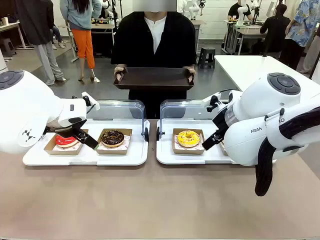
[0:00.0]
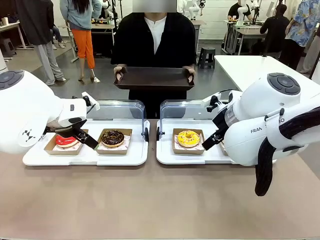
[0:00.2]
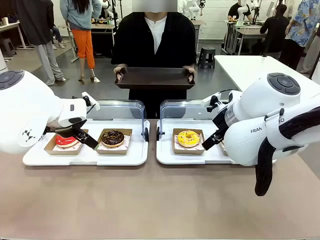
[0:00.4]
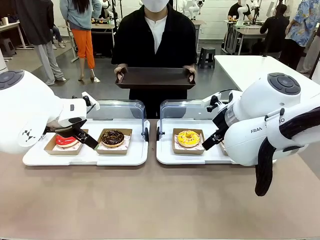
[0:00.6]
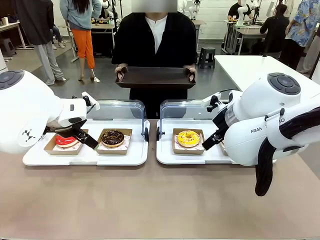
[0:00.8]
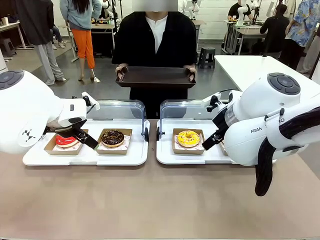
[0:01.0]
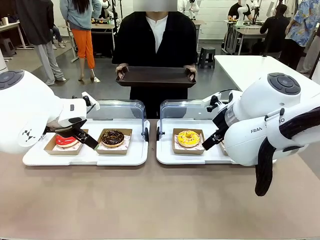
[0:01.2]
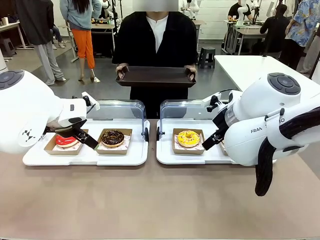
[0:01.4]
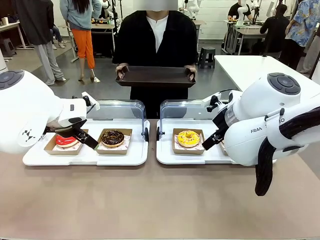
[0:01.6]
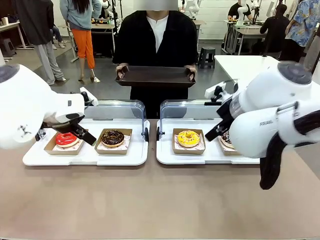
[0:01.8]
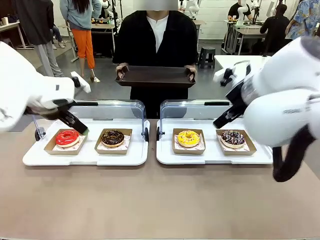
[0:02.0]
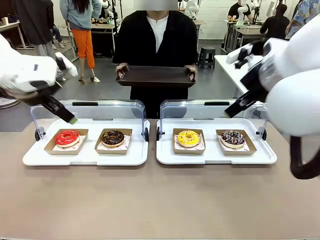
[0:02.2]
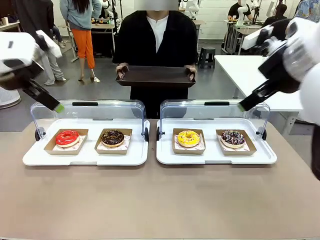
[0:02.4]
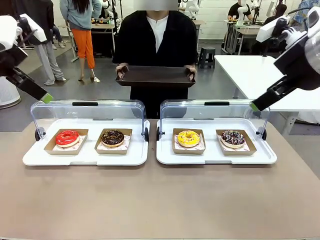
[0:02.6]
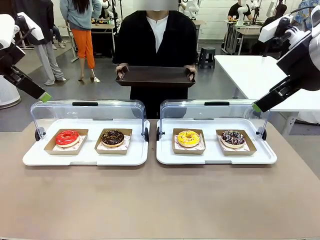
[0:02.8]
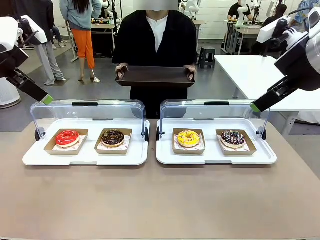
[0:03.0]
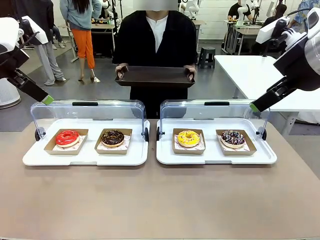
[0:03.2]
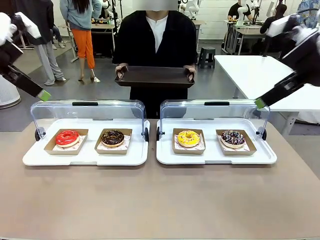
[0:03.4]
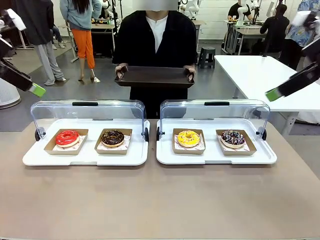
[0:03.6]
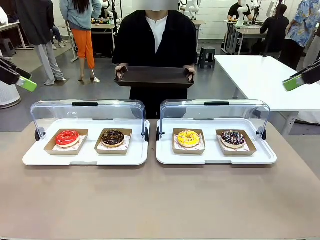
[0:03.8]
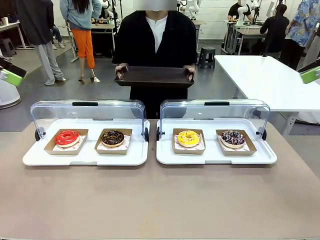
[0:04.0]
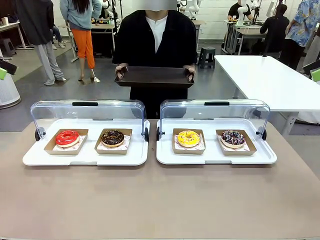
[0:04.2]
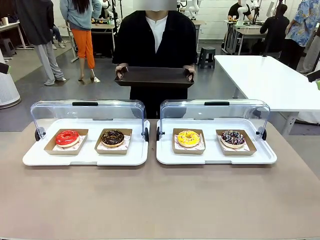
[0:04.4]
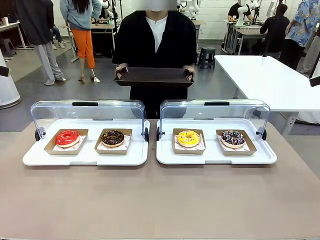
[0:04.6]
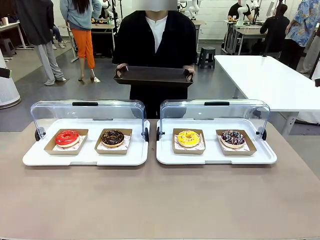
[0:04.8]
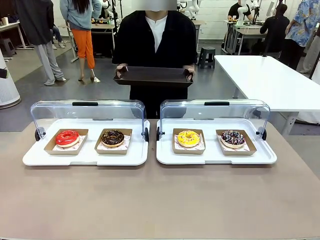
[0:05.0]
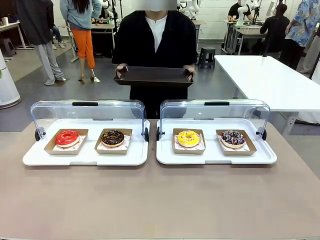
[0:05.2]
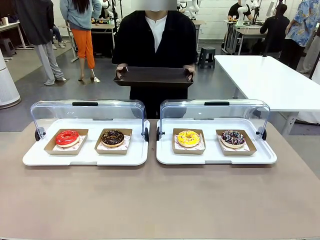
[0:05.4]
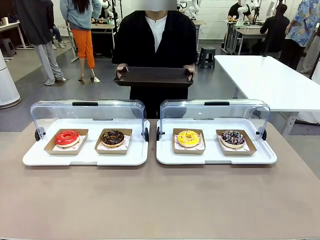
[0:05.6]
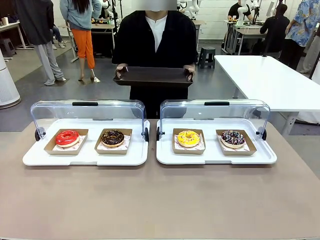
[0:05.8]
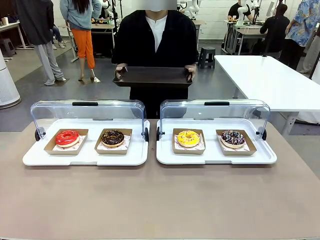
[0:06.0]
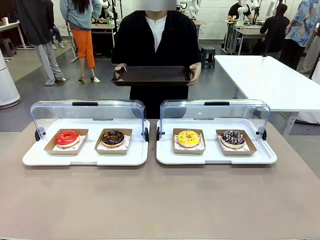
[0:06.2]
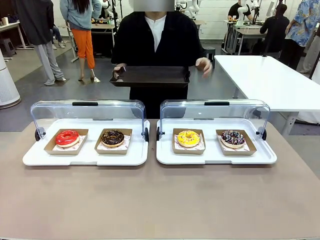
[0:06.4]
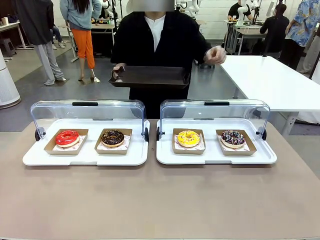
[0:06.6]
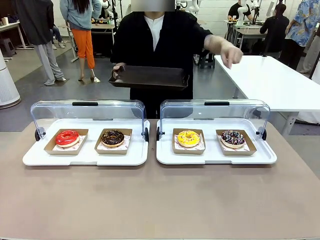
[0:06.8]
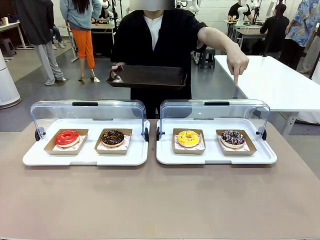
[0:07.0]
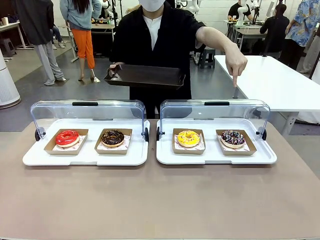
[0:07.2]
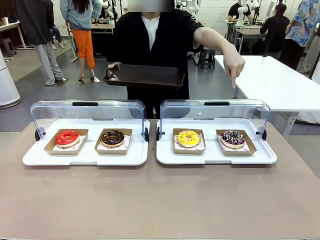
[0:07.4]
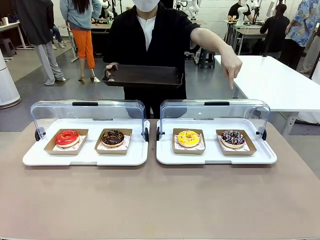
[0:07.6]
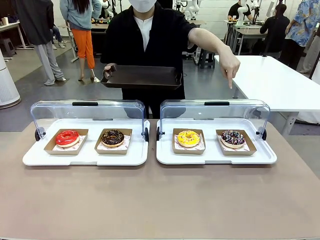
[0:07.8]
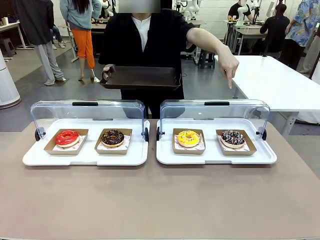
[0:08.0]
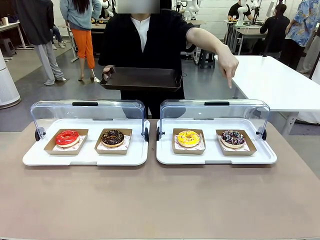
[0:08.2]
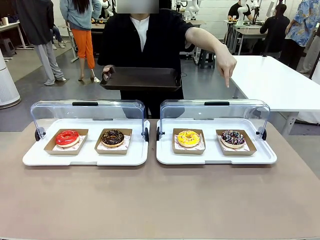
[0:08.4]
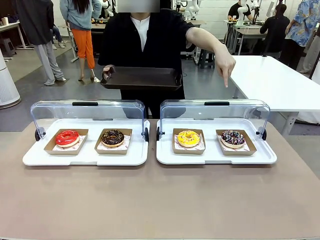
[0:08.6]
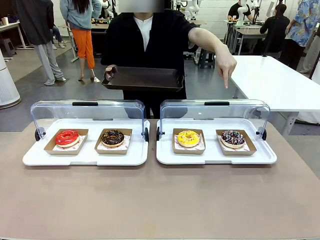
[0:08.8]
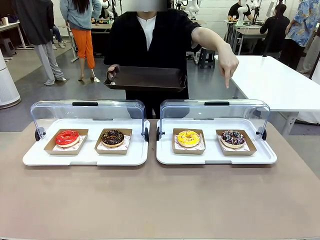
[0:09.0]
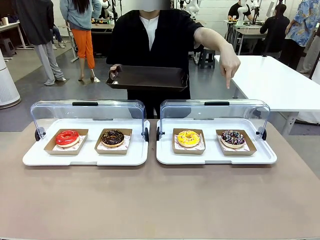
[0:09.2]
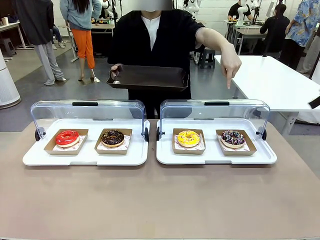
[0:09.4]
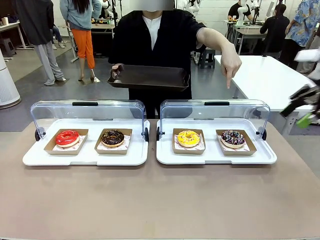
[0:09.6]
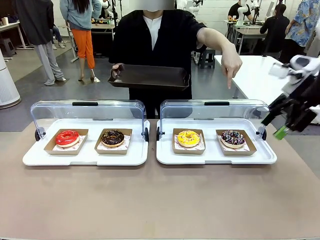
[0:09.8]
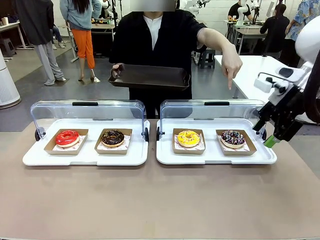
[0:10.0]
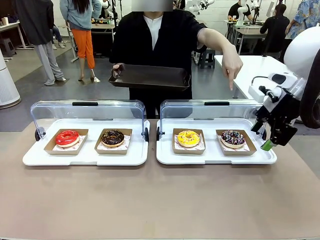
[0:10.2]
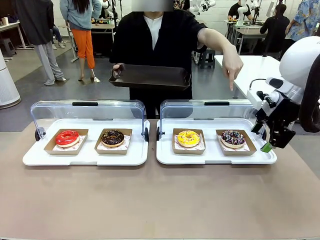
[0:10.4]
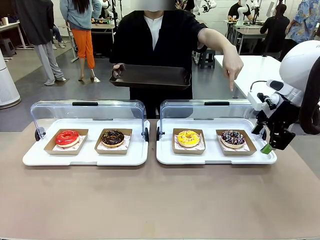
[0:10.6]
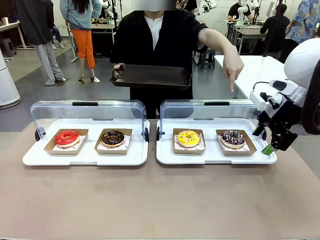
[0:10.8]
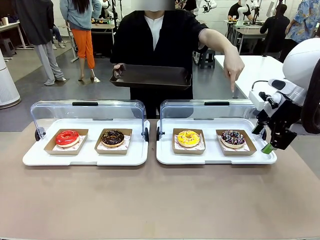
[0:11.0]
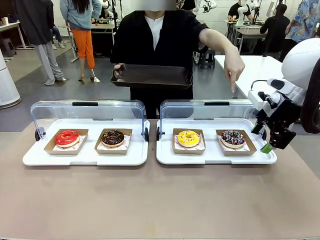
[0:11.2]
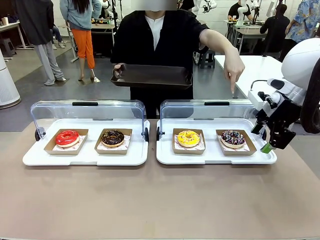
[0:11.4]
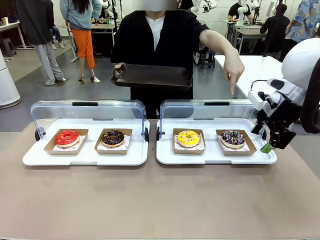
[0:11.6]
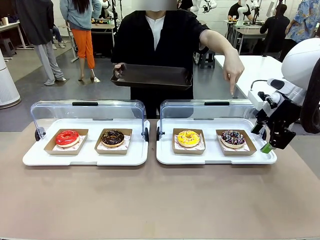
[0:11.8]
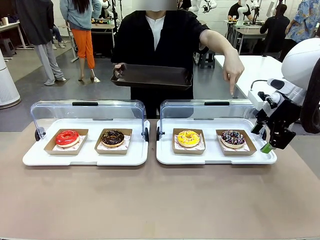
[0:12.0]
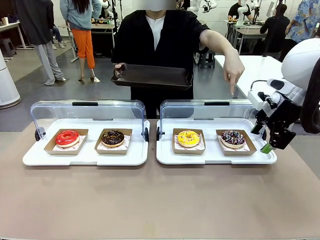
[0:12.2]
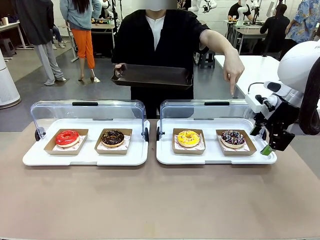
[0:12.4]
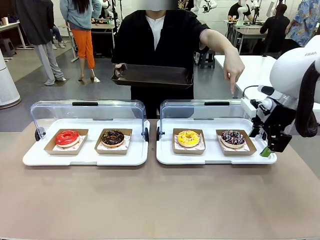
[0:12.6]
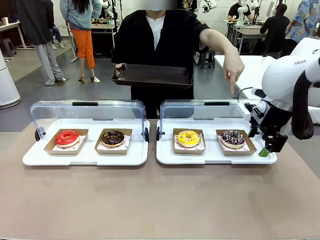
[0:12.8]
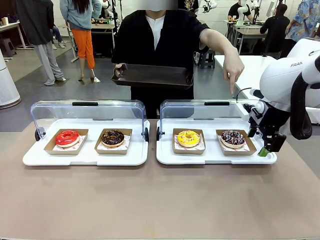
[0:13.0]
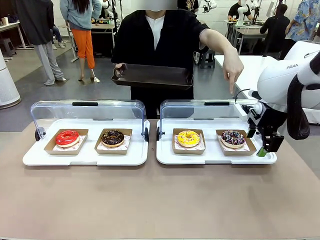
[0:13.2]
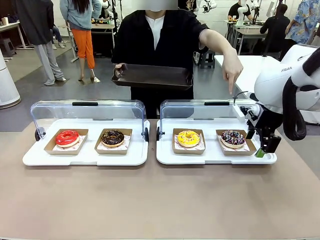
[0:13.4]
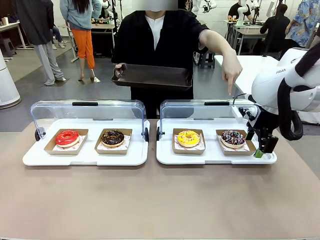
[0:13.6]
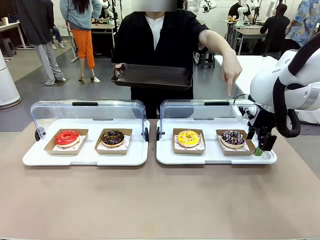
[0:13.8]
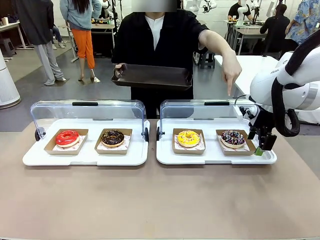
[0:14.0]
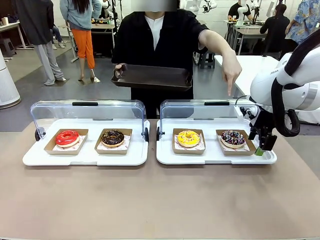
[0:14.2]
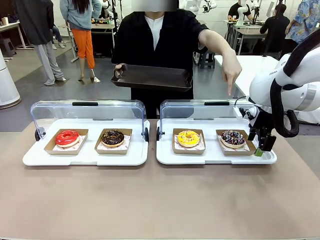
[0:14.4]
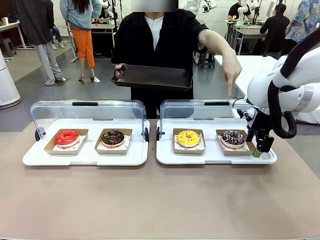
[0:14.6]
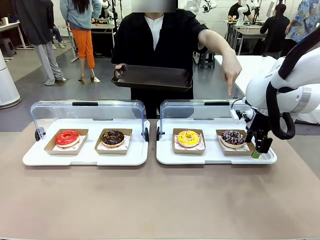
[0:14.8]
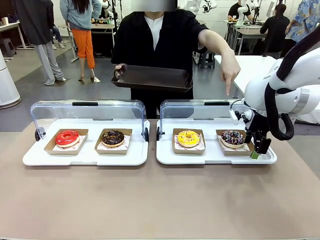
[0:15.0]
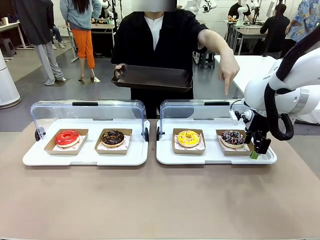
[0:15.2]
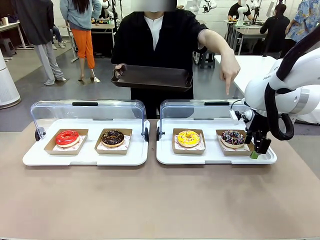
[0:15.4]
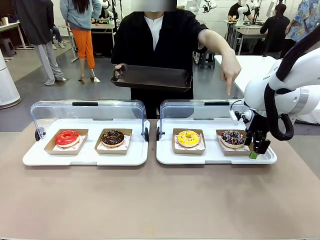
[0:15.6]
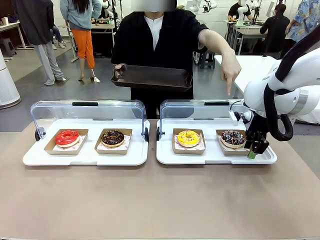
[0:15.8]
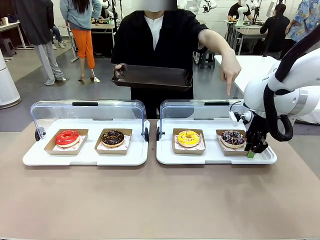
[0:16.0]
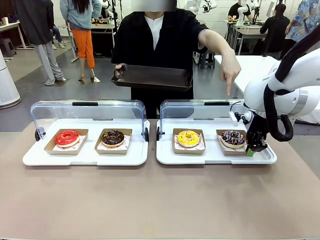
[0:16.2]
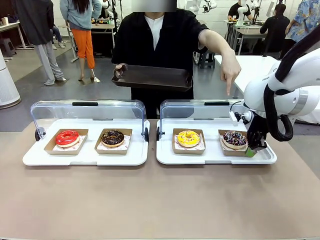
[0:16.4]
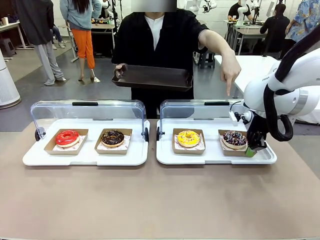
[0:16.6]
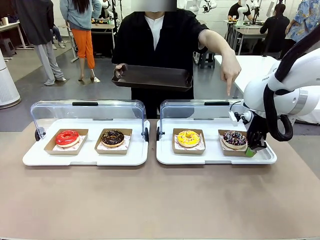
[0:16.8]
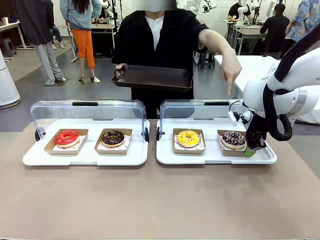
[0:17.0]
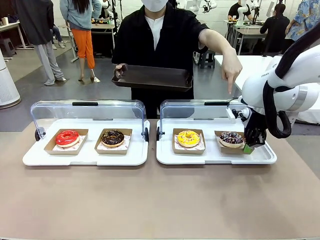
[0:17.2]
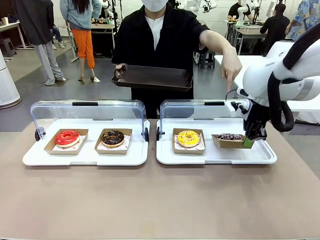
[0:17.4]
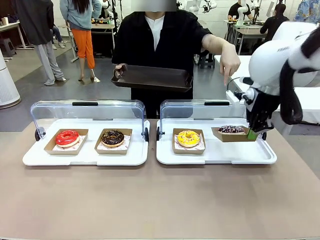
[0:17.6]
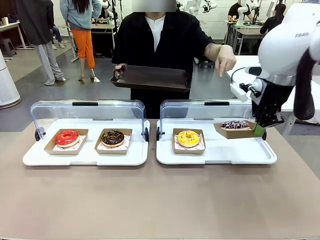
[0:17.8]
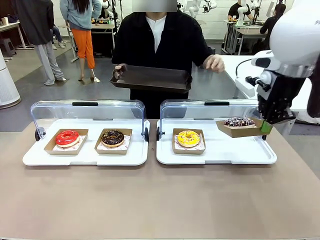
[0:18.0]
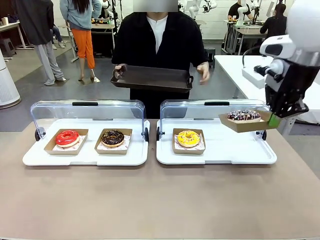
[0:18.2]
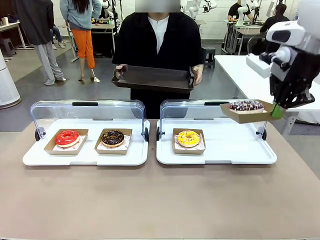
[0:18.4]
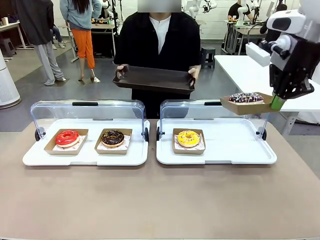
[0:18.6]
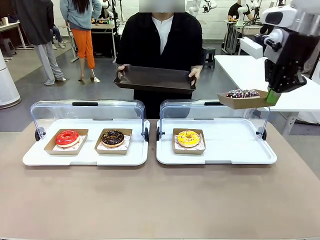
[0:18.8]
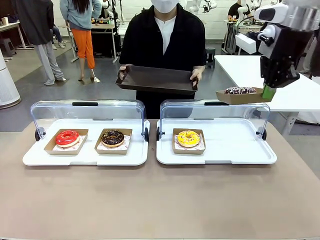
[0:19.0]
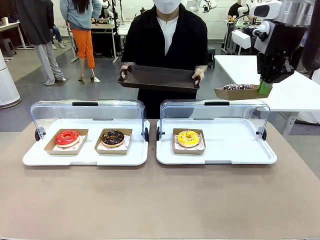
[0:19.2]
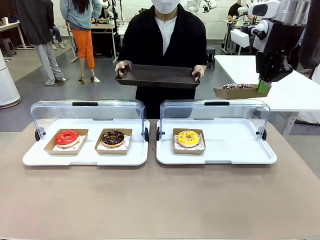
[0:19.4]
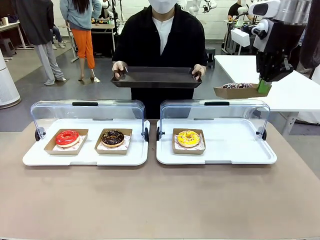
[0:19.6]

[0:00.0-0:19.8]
Task: Provide the desired donut to the person.
Robot: Pick up and lift the Paper togo box containing the Donut pointed at by the person.
Person: Point to one donut. Lift the tray onto the Roll-Top Bakery Case.
